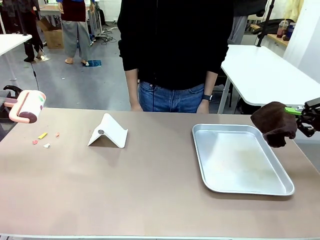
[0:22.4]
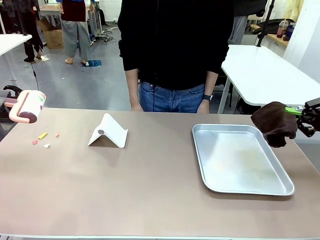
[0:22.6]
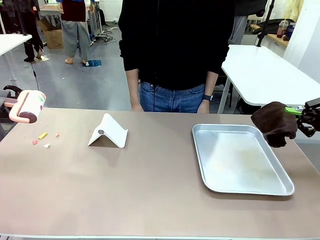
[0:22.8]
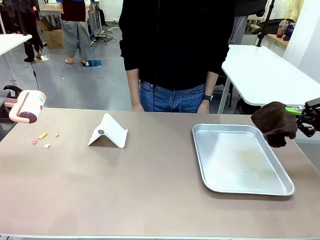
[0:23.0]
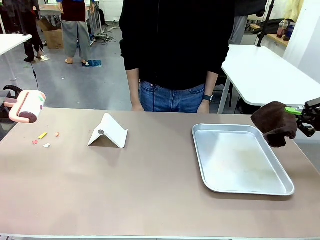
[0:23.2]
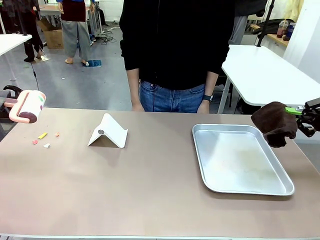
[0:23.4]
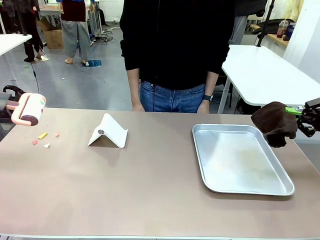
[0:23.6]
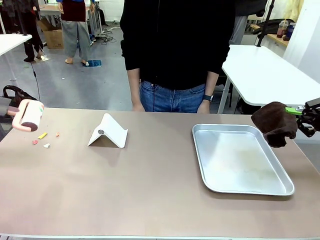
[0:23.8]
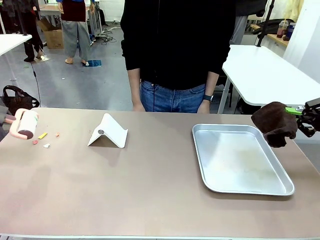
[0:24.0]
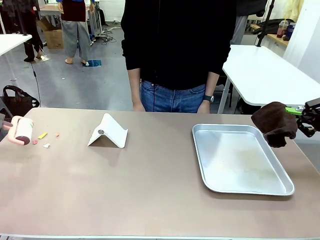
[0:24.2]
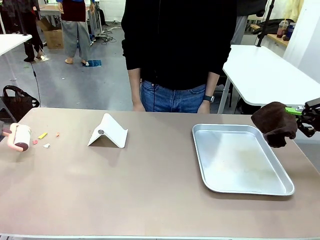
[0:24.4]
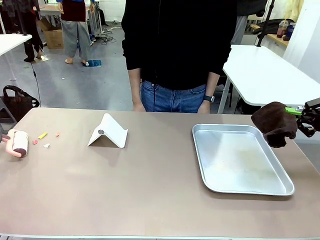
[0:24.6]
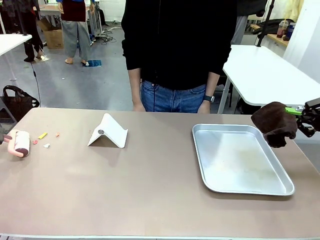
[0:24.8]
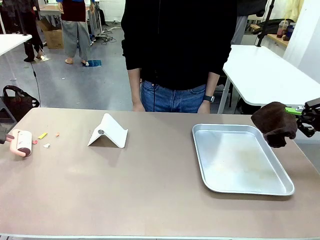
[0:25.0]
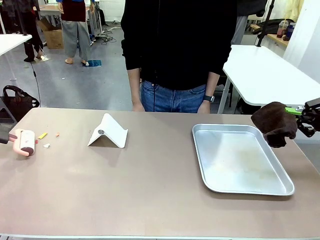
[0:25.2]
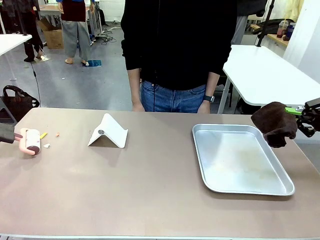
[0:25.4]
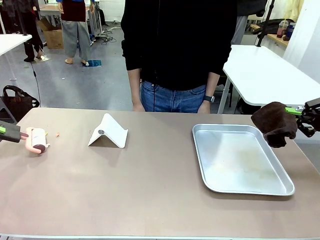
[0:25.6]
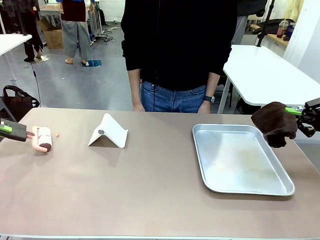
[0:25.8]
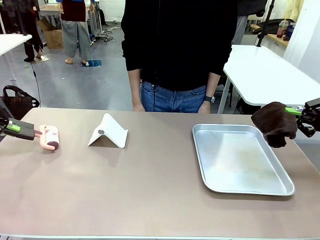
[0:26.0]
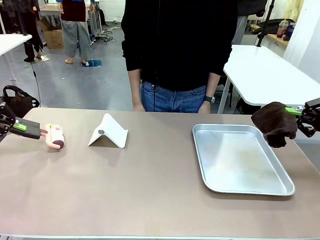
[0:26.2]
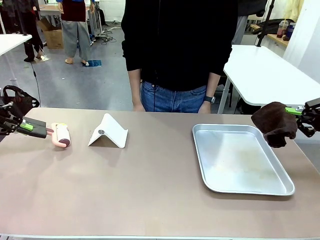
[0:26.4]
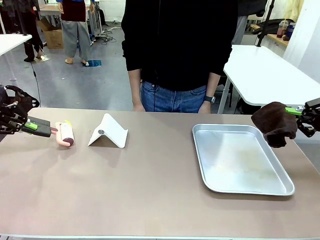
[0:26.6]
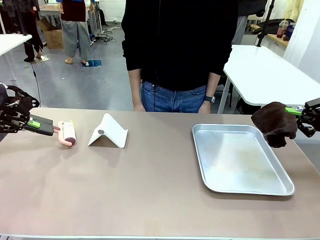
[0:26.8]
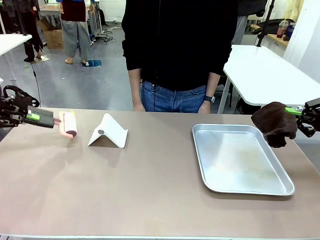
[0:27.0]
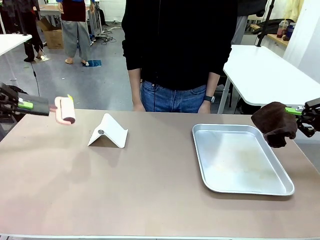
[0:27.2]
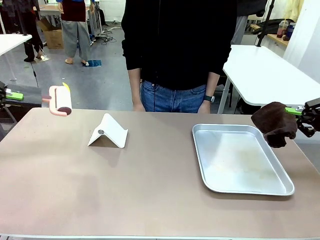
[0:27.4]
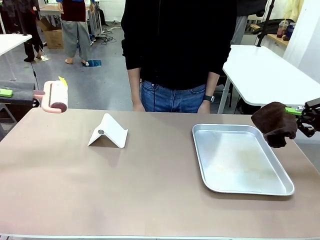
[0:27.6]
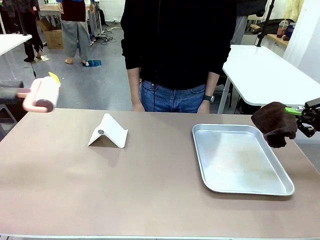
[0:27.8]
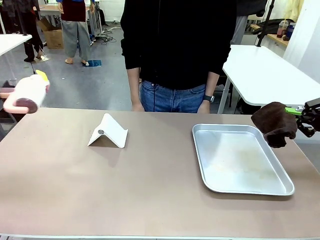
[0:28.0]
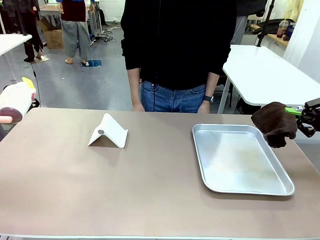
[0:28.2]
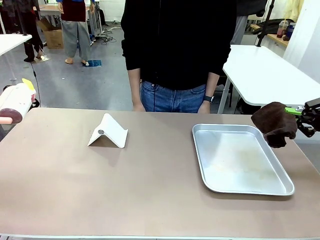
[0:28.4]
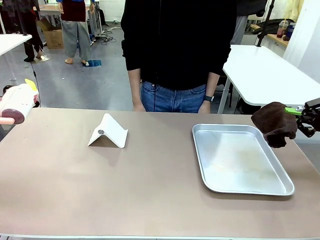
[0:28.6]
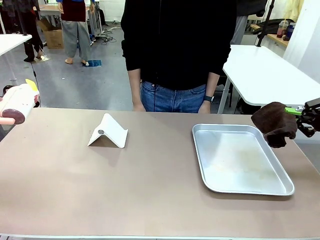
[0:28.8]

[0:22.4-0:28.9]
Task: Clean the surface of the table.
Robot: Clean the area not pointed to by the person.

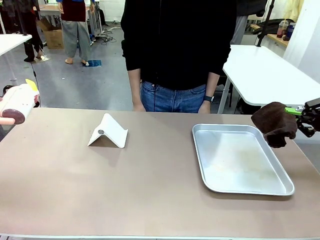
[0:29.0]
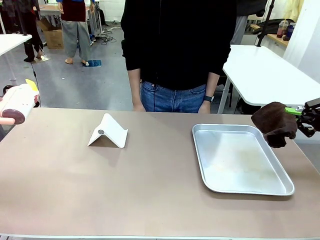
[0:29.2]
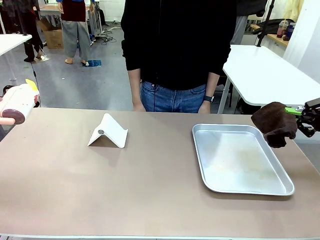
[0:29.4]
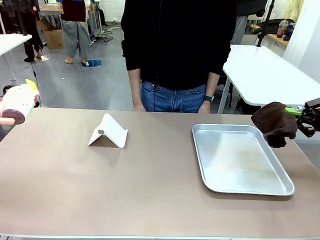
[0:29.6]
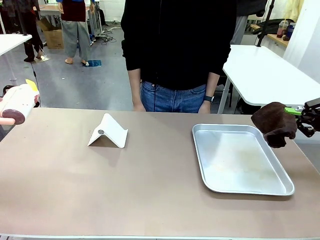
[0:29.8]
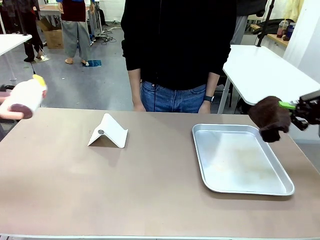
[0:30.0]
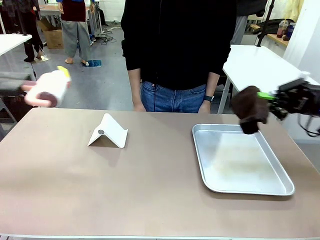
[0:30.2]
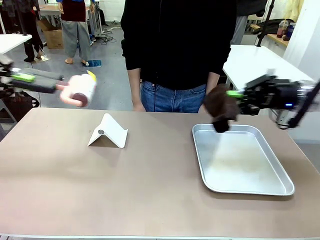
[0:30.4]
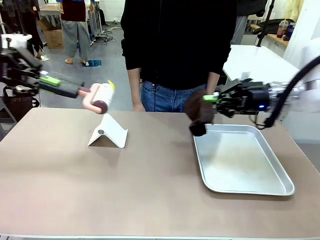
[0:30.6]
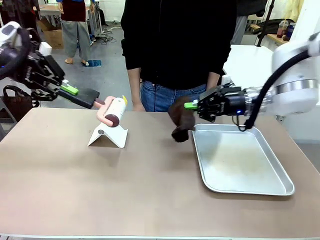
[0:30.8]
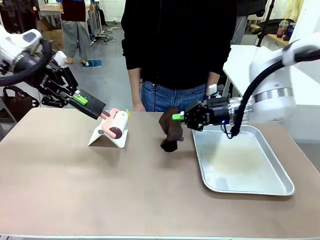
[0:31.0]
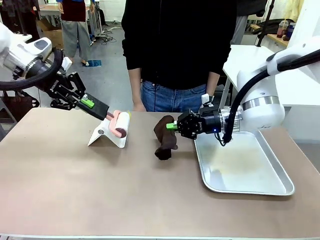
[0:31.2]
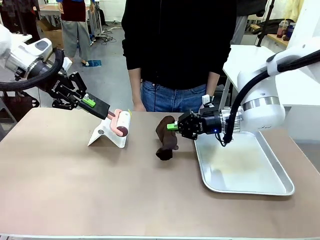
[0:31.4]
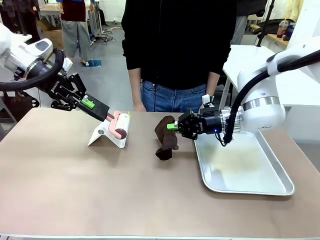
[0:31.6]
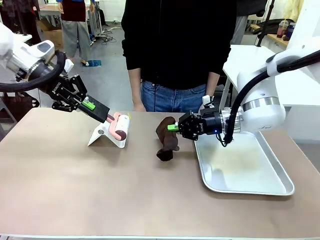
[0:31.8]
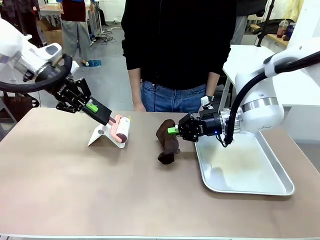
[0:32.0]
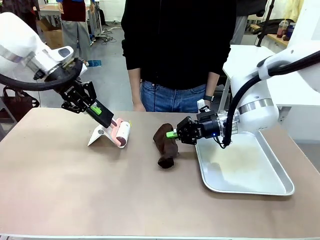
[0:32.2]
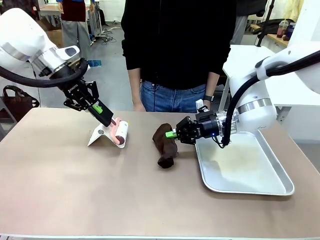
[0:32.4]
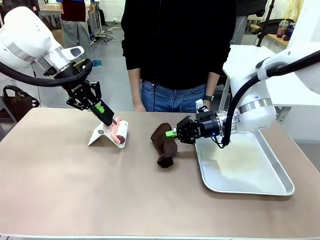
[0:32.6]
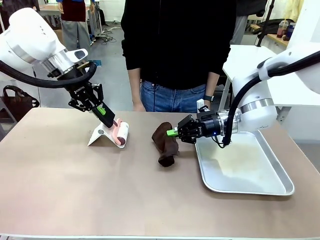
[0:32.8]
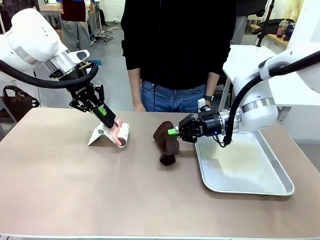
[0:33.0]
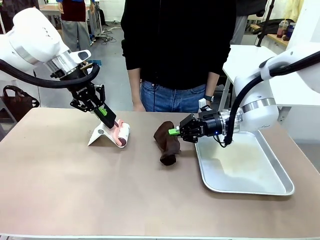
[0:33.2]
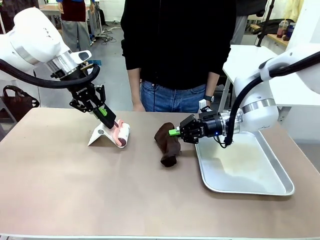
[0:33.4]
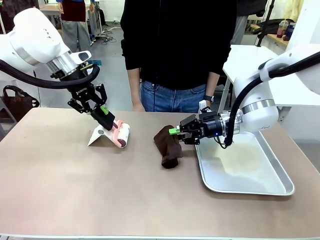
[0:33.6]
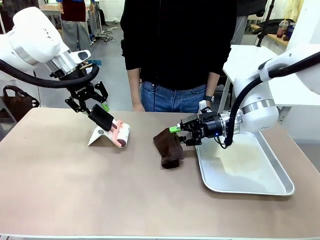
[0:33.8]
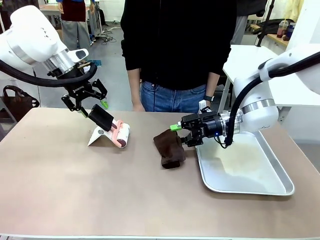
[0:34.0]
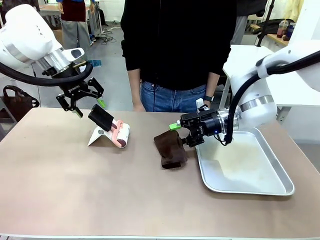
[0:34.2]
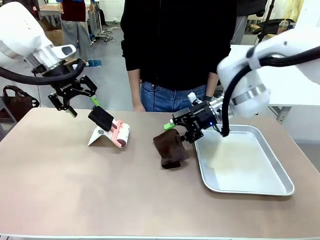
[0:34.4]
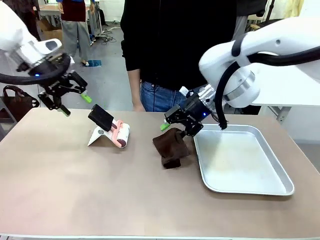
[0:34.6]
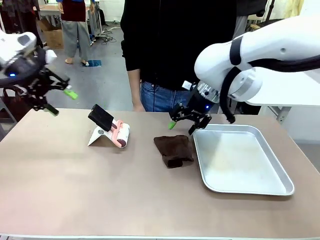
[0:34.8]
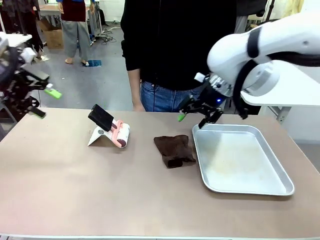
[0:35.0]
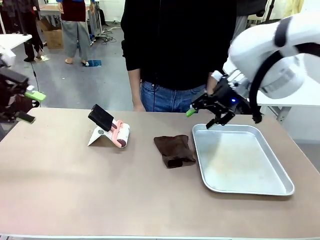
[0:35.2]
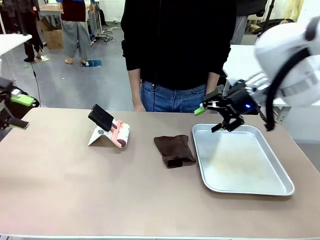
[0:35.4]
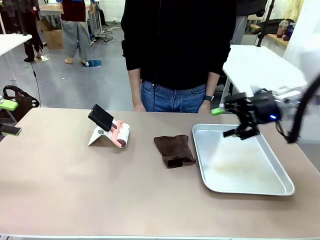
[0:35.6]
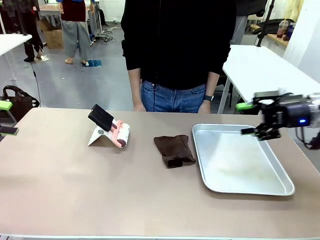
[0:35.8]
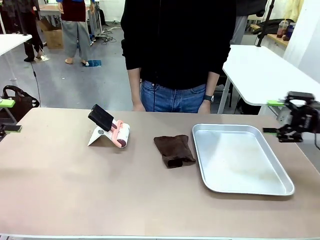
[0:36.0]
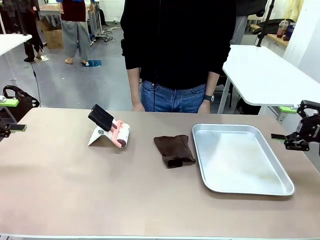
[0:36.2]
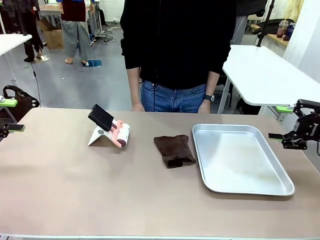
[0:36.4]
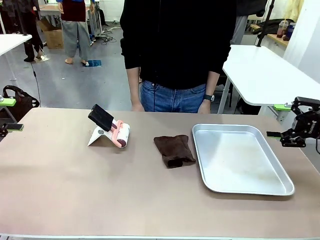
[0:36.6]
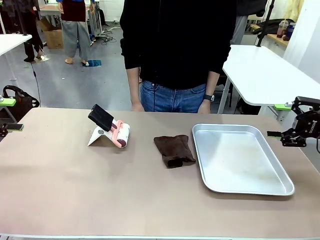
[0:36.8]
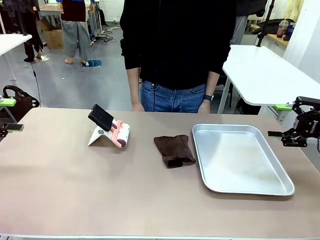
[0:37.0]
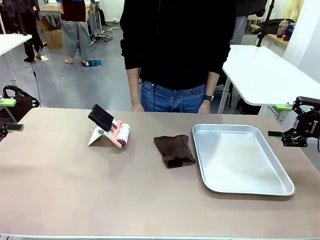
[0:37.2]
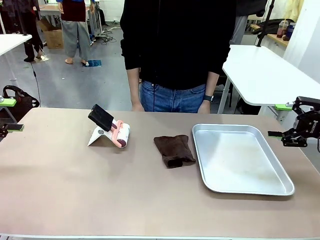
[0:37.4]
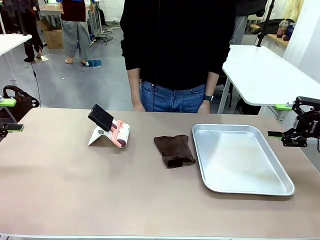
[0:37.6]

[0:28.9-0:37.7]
Robot: Return the Lint Roller and towel to their original positions.

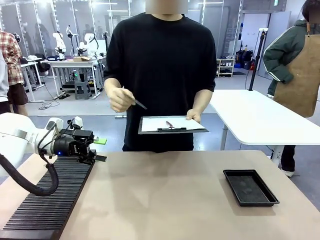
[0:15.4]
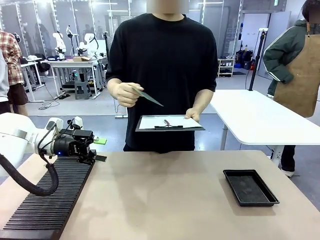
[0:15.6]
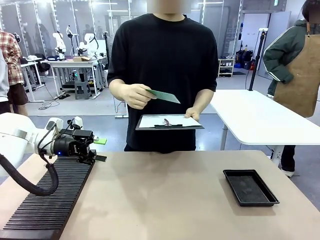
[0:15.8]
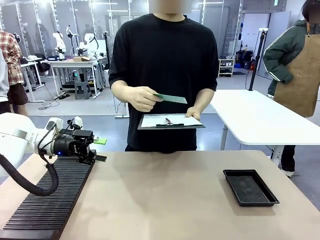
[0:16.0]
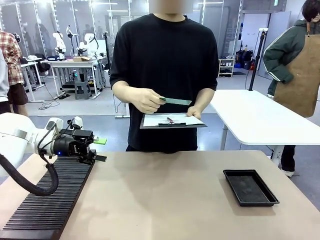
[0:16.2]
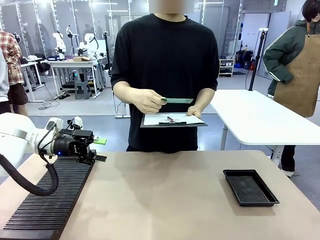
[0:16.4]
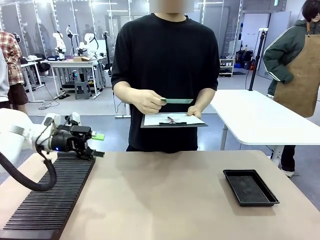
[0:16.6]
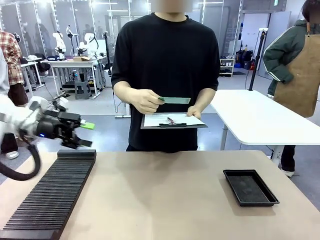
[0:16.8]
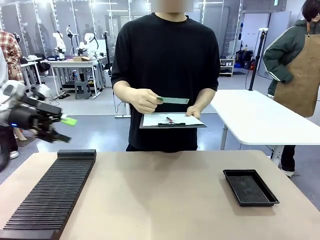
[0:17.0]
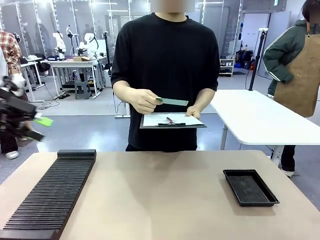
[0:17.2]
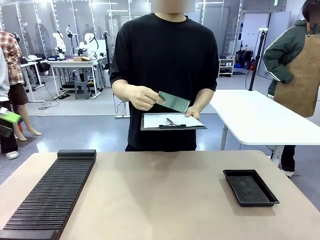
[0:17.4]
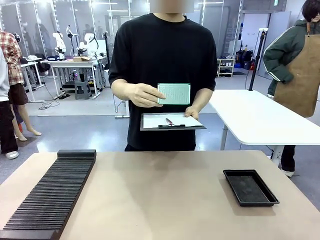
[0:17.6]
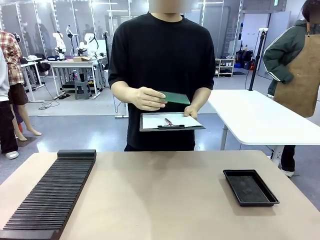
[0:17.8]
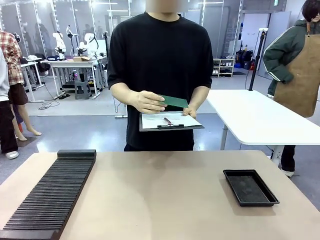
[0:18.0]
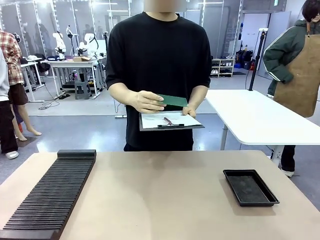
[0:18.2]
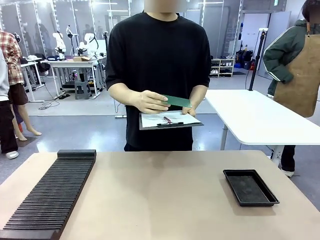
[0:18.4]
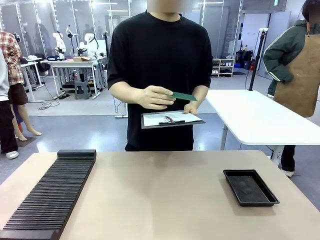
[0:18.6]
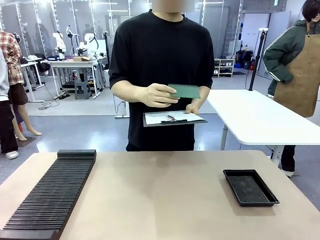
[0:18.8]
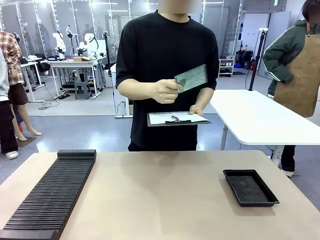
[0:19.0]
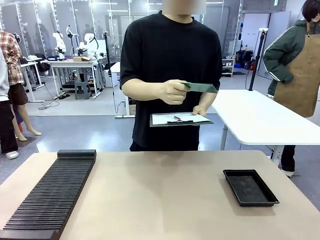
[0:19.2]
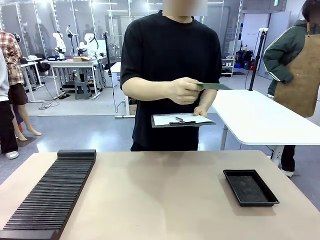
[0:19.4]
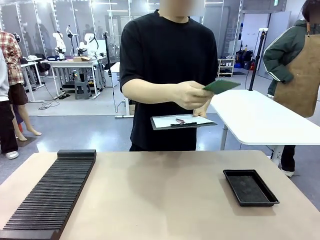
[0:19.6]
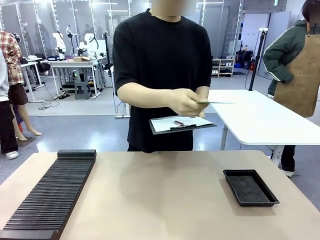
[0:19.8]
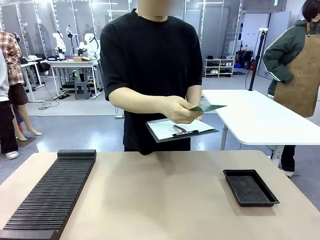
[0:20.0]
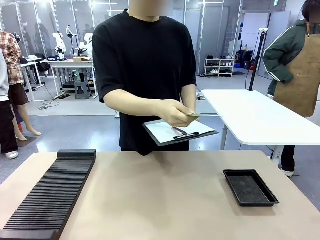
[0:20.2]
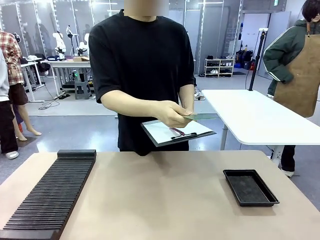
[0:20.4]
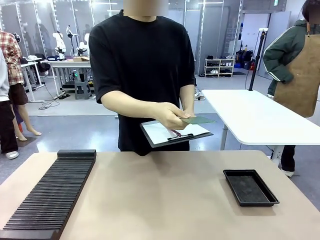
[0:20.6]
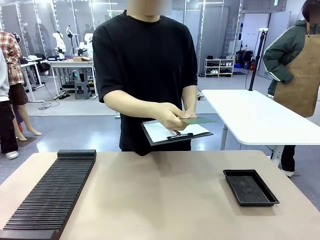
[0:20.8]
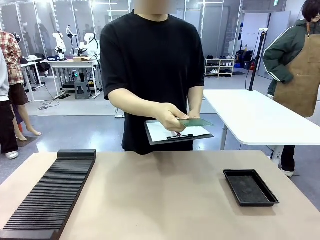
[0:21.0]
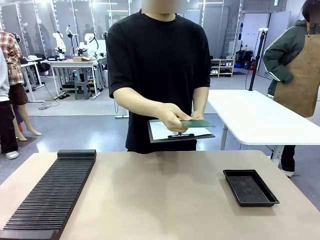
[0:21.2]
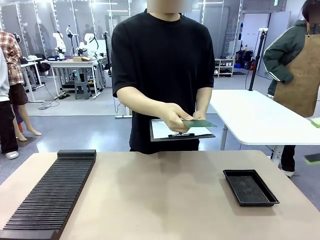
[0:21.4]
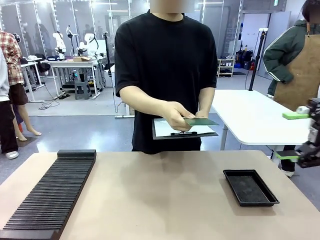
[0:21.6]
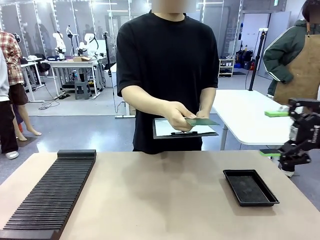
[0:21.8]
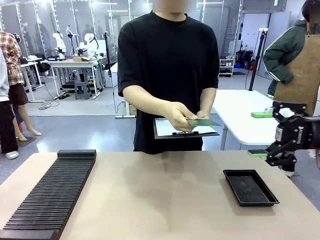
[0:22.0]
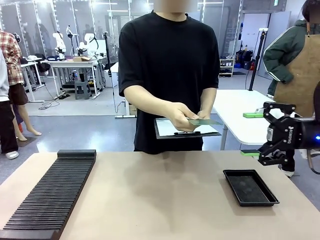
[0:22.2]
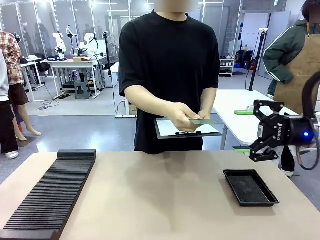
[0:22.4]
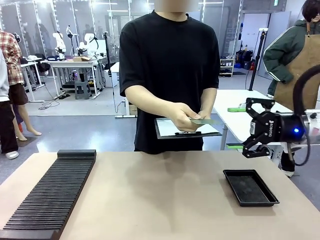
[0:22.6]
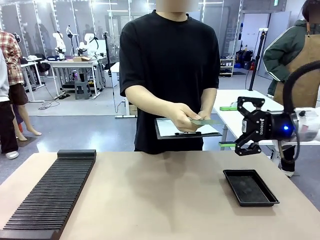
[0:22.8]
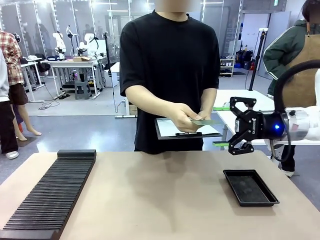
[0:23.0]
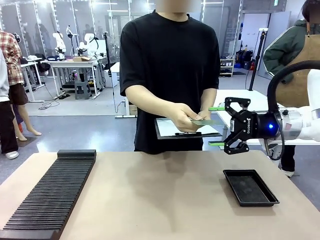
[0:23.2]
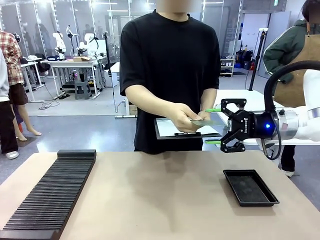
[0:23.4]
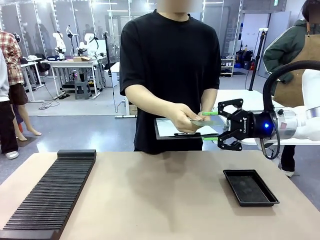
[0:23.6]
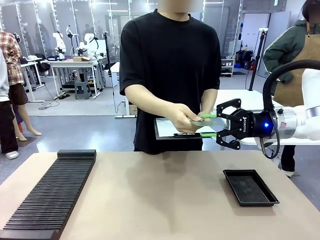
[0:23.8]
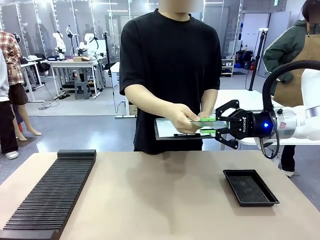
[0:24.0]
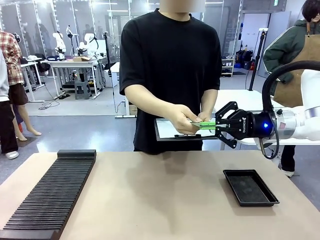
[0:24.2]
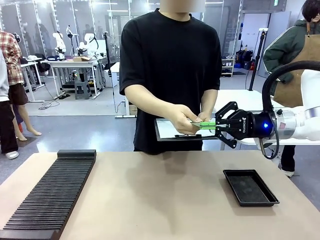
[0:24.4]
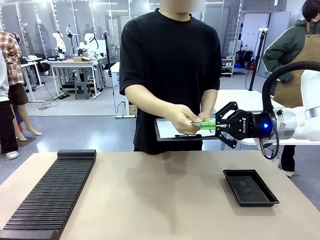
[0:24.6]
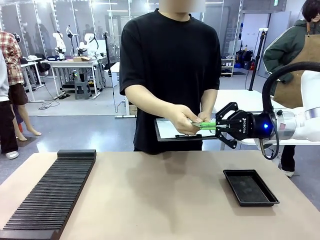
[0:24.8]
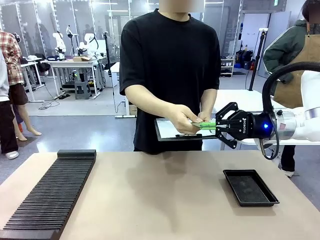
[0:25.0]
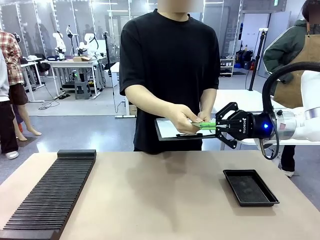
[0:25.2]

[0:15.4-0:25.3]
Task: Inspect the PCB.
Robot: Pick up the Blank PCB that the human is holding.
Person: Inspect the PCB placed by the robot, then hold it out in front of the robot. Release the PCB you were holding.
